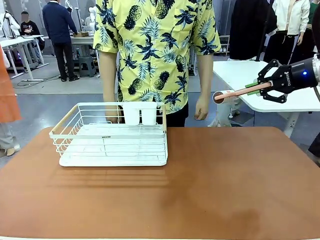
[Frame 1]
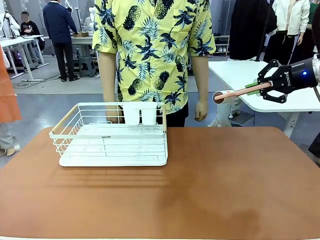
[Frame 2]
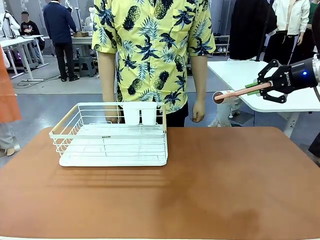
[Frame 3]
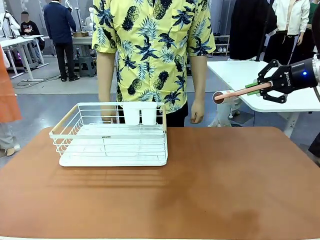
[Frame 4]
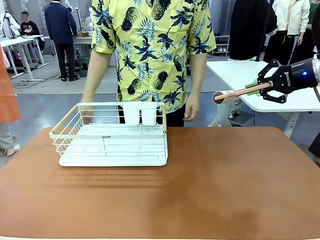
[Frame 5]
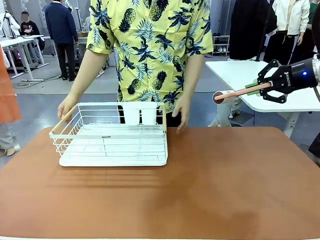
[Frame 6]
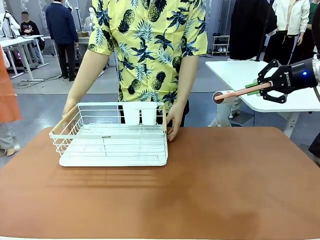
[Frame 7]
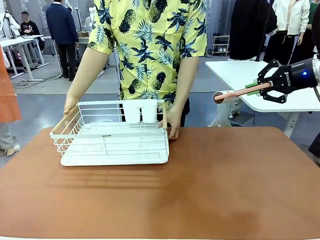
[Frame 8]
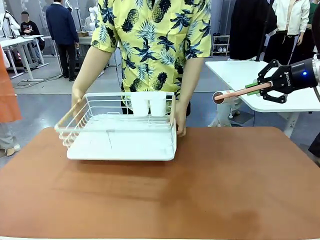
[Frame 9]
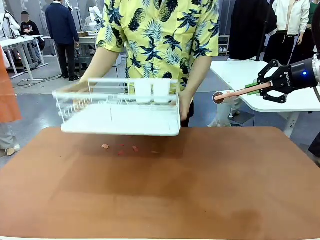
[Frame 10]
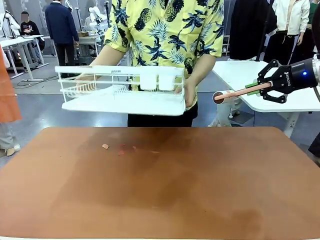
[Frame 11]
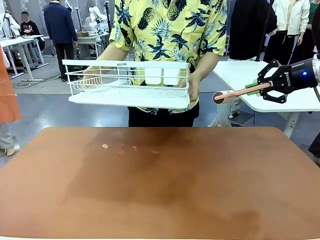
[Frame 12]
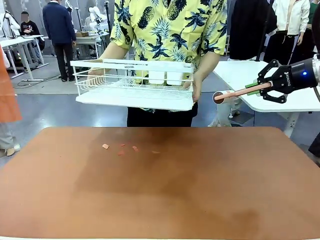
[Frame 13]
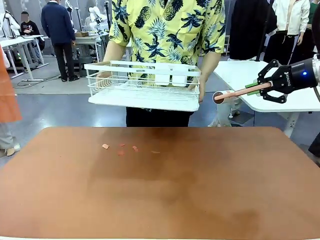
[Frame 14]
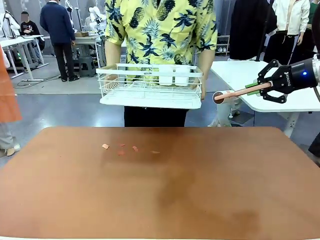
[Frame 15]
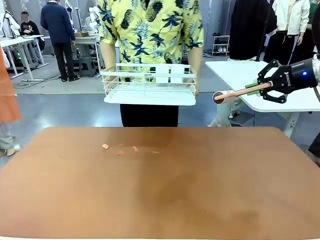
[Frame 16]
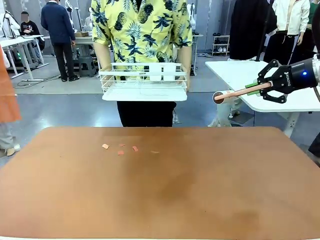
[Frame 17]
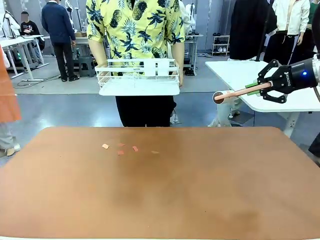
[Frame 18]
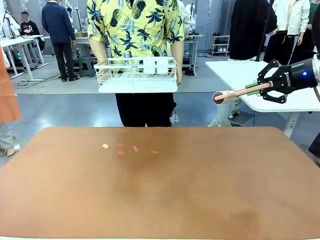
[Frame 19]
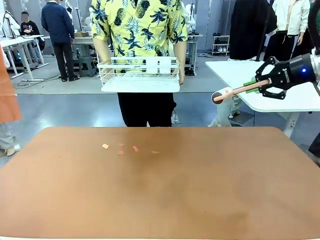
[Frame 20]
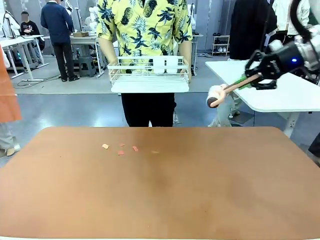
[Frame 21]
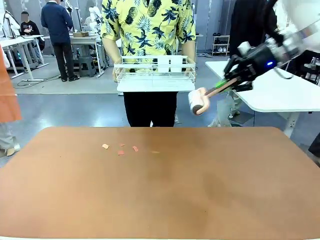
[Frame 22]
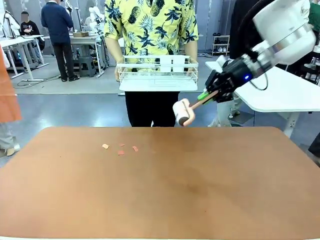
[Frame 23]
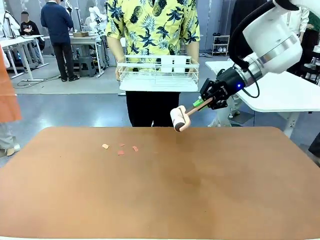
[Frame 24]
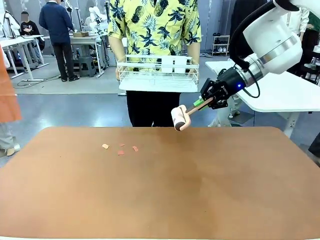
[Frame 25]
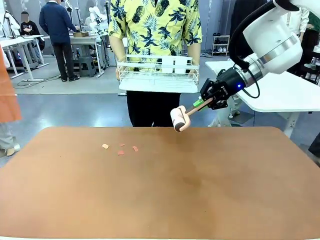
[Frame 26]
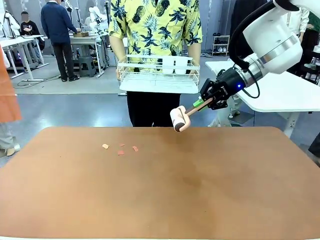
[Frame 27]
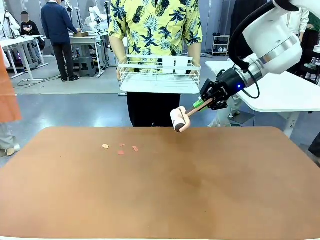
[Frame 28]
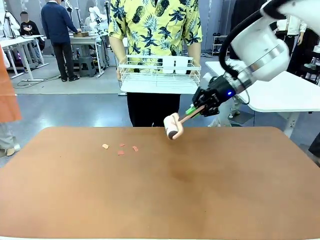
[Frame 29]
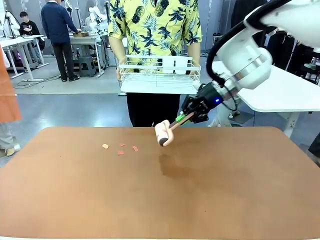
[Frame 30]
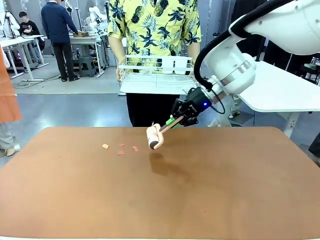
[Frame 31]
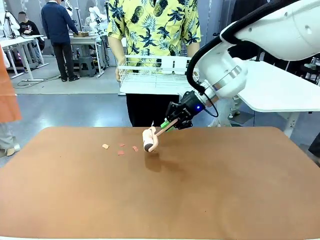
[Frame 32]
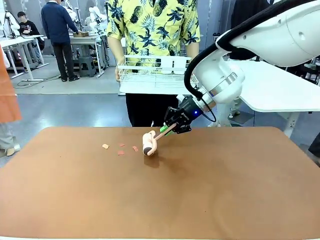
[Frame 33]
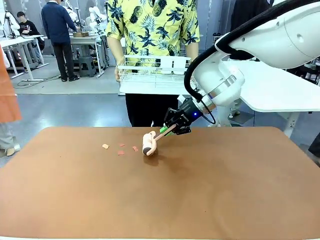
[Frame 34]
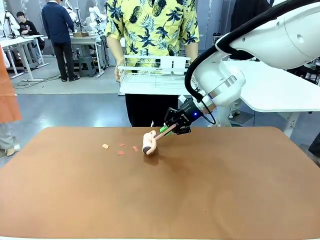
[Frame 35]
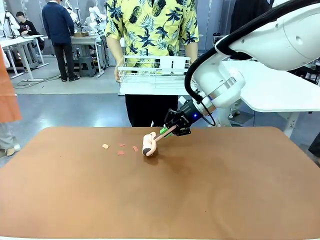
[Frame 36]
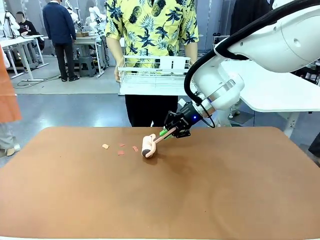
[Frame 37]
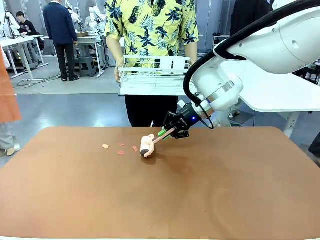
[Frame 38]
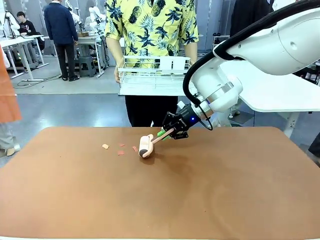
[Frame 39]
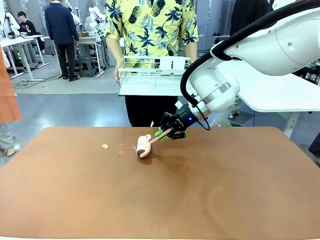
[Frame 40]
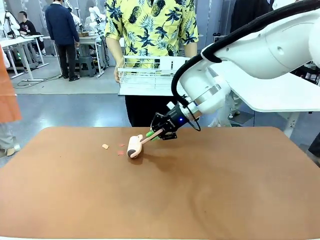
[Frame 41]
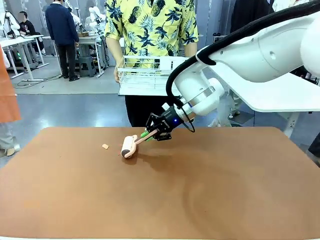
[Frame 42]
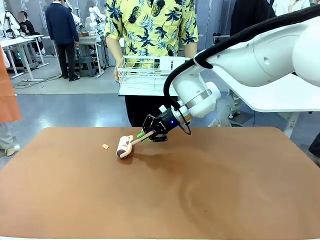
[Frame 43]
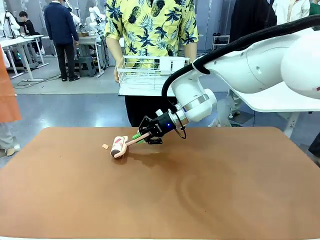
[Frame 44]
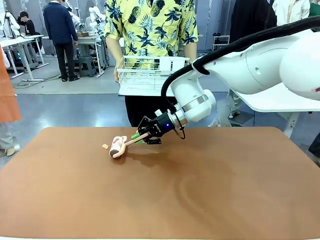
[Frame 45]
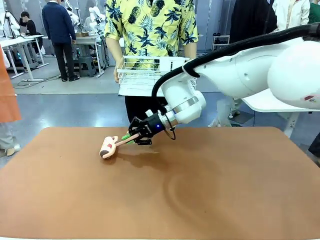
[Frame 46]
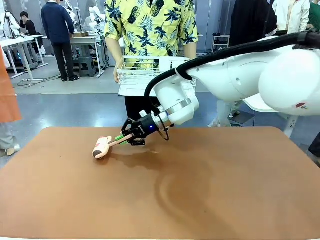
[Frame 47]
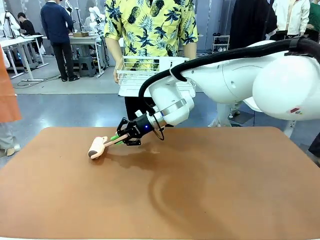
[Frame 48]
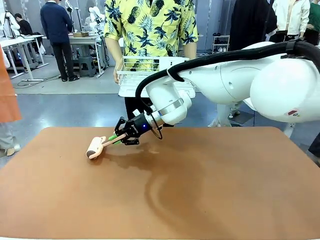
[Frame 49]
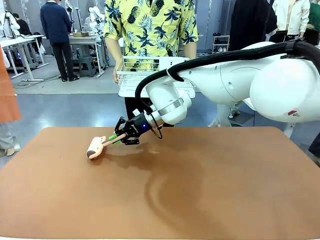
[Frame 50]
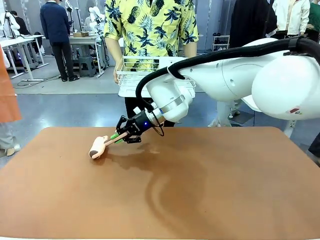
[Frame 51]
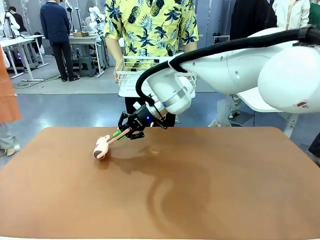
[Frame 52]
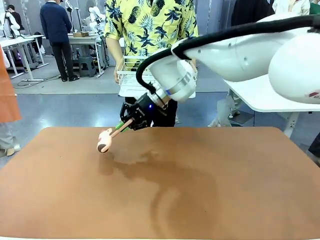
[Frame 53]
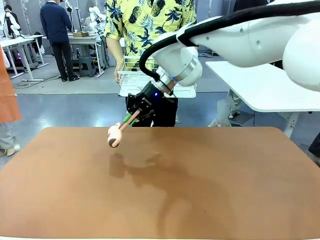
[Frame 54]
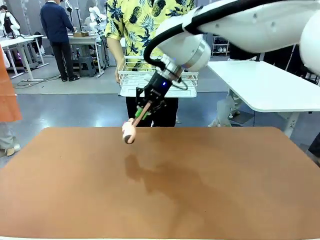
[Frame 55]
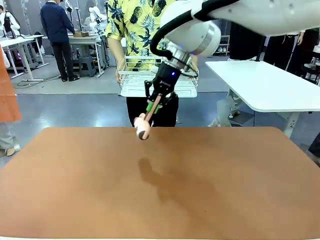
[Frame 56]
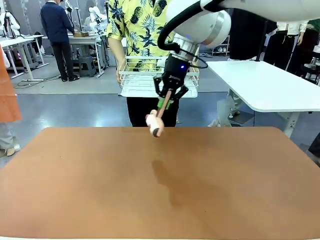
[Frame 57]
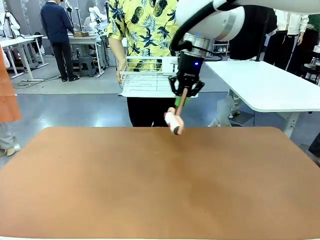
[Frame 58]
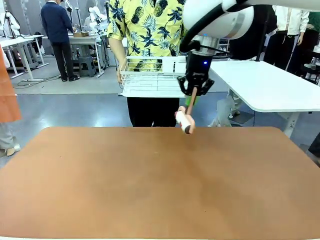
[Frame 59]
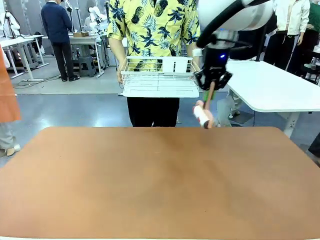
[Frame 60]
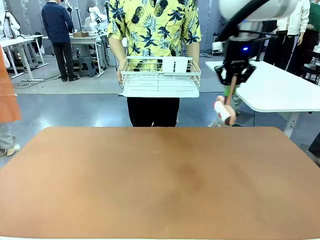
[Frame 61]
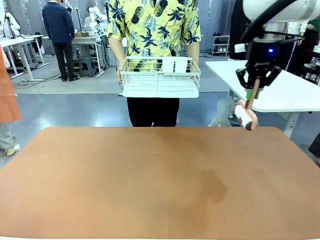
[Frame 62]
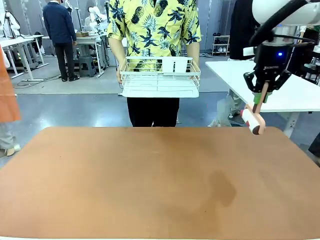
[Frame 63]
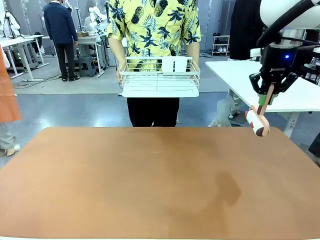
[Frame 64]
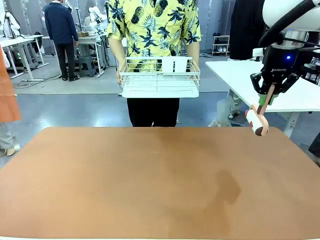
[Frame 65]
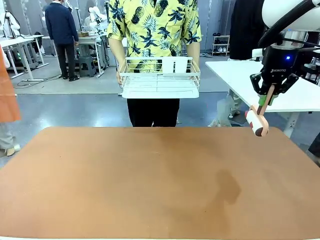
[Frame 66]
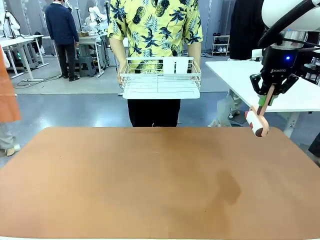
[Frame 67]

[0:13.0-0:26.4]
Task: Clean the table.
Robot: Clean the table with the Lint Roller when the human lifts the Dish drying rack.
Person: Place the Dish drying rack down when the robot finishes cleaning.

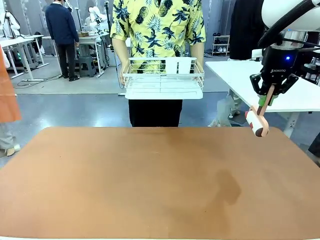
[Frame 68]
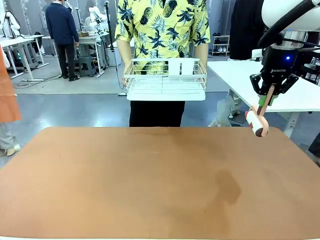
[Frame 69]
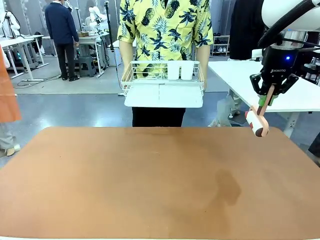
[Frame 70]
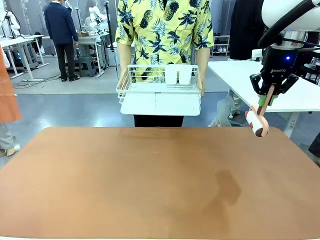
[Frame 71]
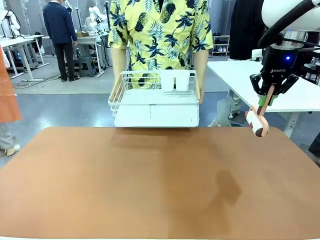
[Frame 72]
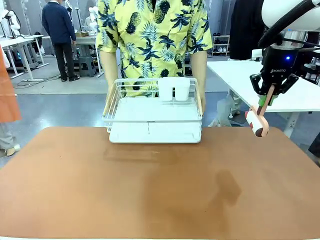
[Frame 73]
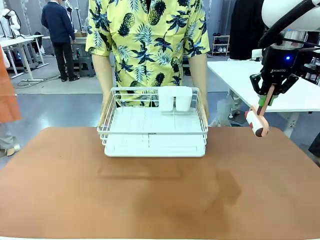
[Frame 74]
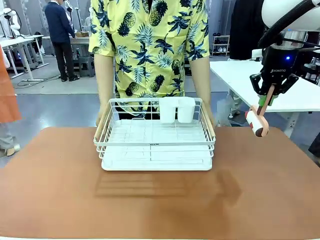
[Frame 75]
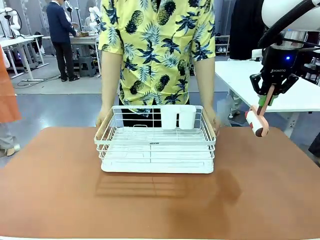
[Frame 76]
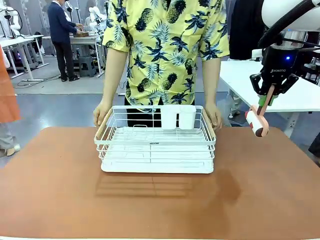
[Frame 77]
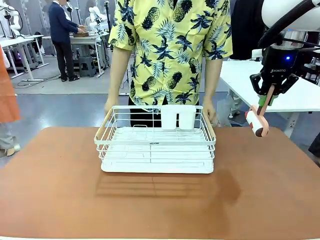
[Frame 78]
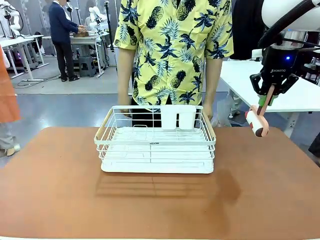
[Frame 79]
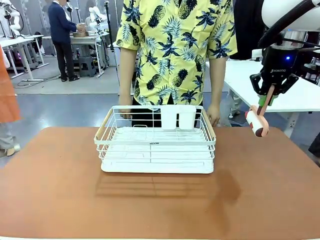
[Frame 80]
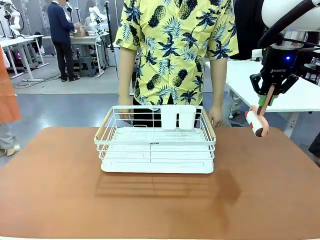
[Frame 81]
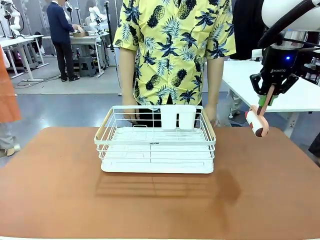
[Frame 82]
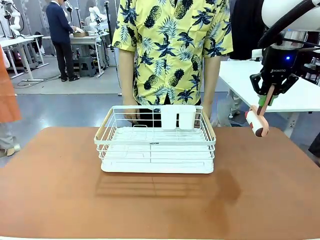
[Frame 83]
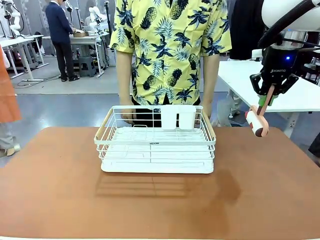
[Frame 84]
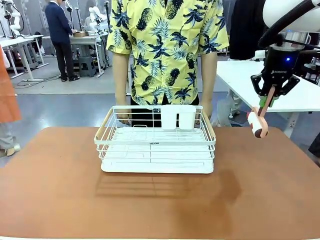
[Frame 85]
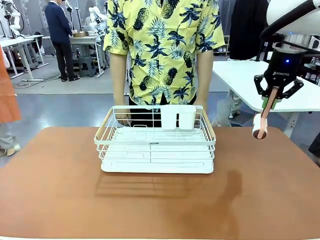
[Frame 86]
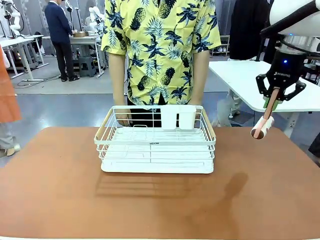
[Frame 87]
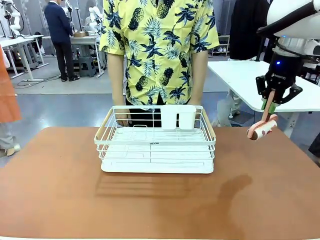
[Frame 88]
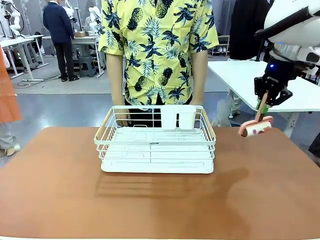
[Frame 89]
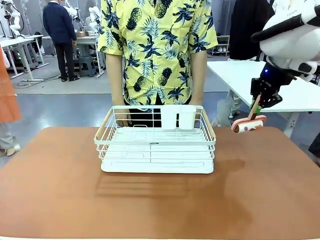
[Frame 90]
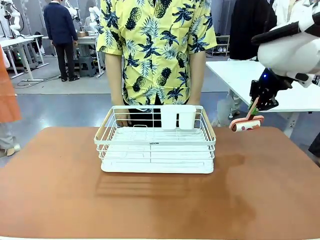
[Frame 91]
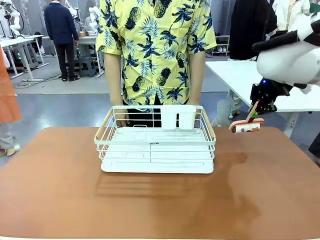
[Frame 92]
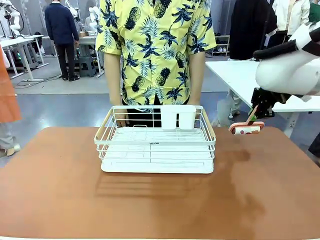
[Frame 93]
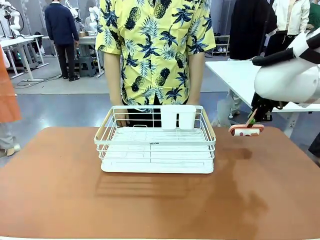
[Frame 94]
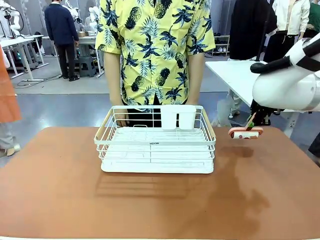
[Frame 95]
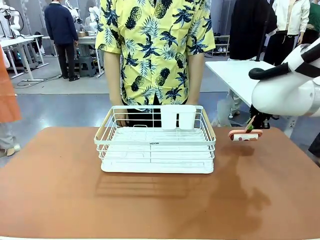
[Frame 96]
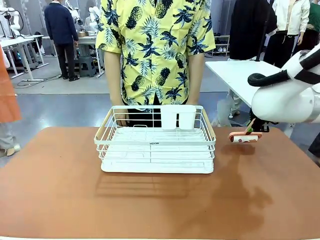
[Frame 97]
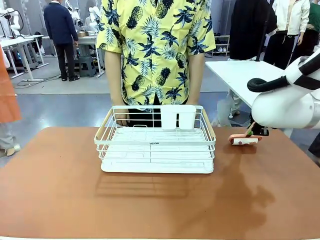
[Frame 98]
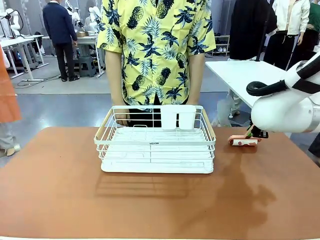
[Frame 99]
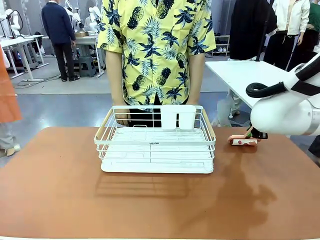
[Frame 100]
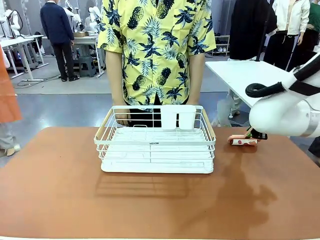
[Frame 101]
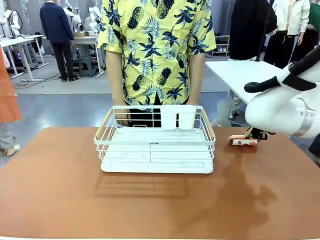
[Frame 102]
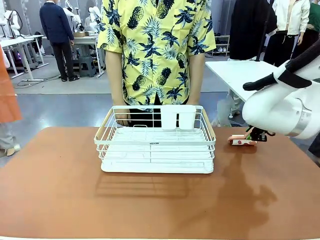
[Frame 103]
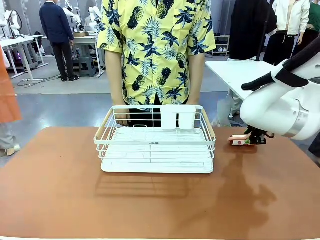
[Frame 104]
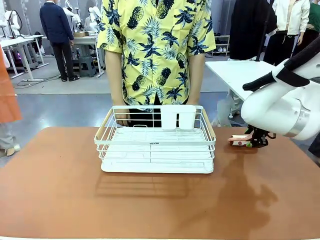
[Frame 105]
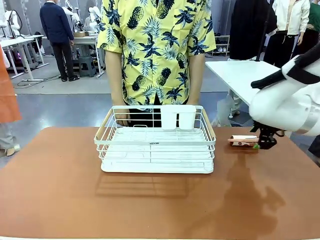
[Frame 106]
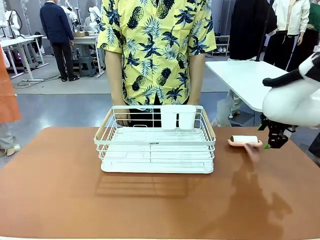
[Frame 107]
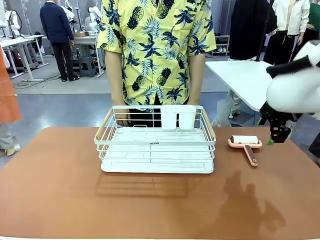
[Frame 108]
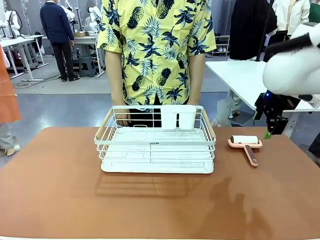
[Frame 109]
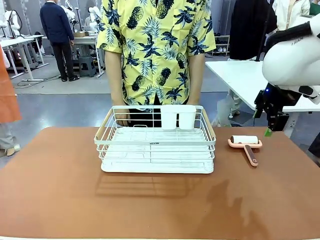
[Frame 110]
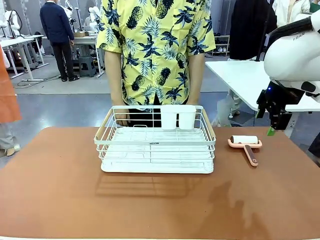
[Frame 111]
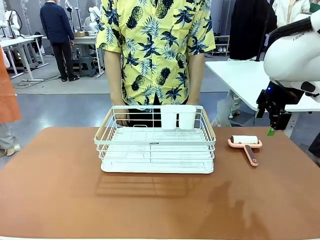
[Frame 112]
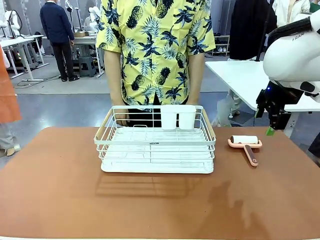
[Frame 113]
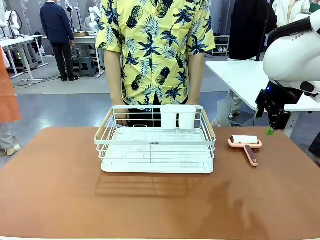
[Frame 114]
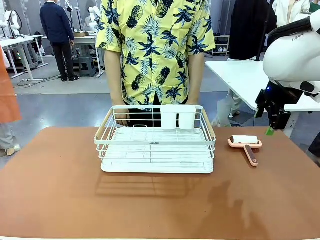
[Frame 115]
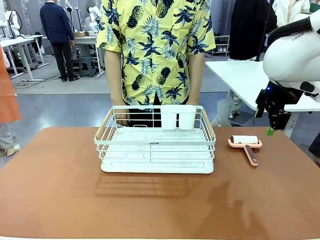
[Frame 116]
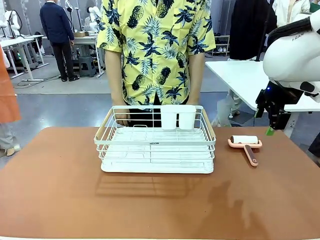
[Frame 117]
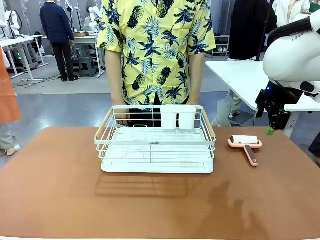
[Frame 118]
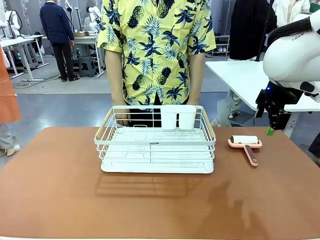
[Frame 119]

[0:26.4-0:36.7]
Robot: Place the Lint Roller down when the Dish drying rack is positioned in the middle of the table.
